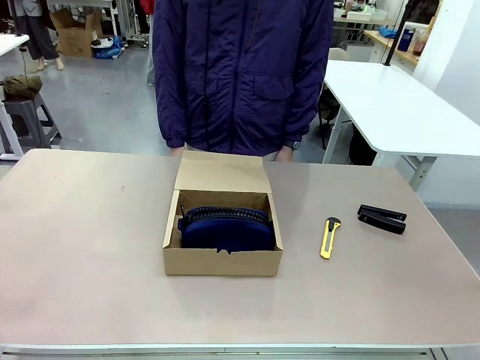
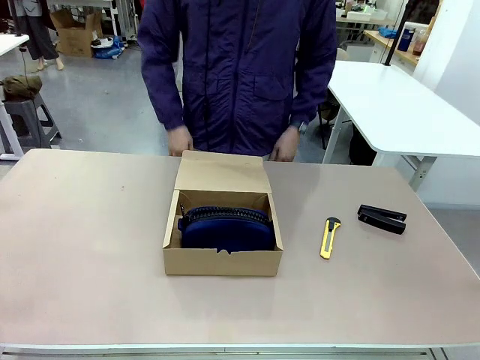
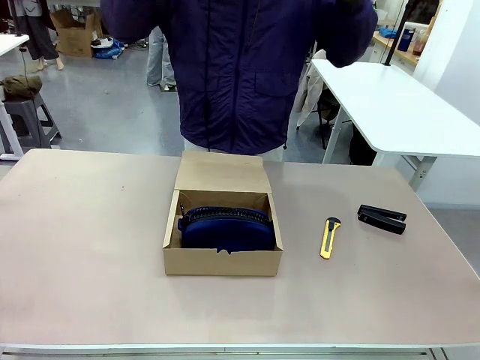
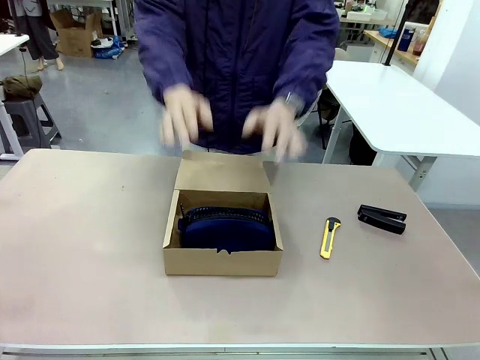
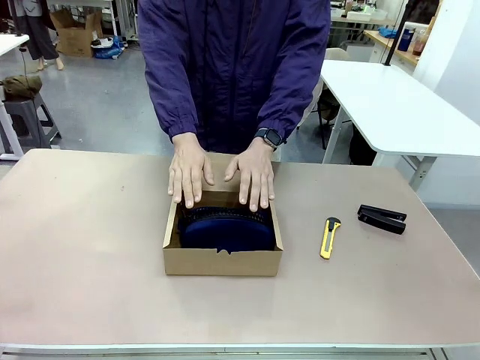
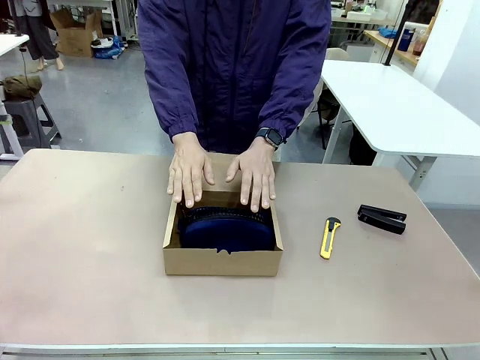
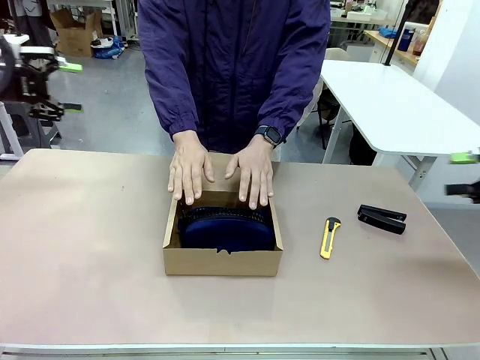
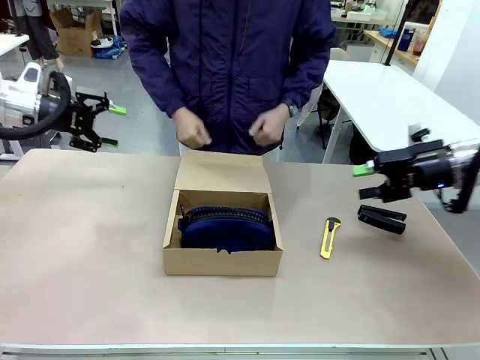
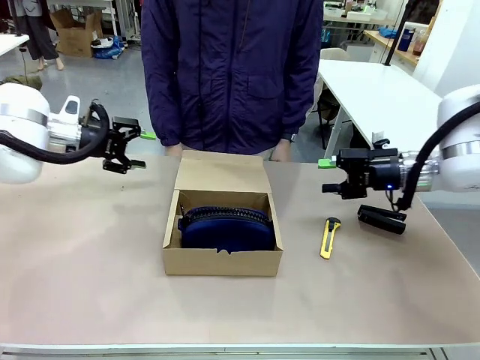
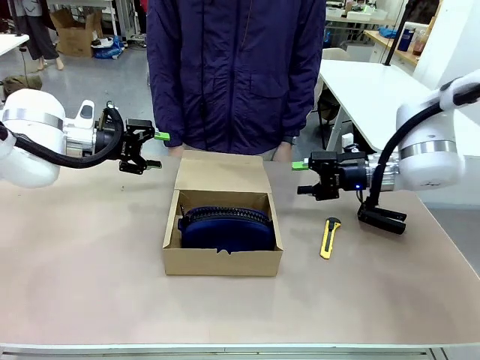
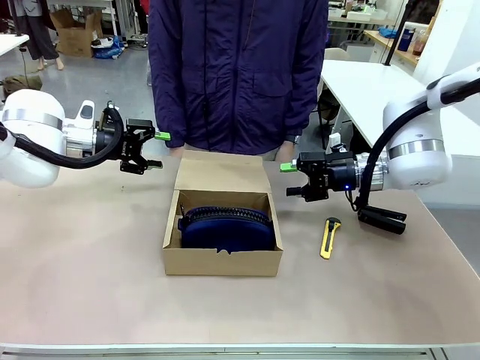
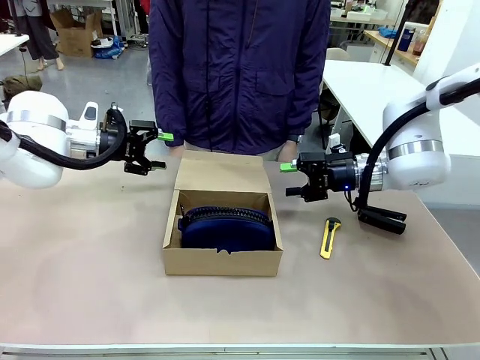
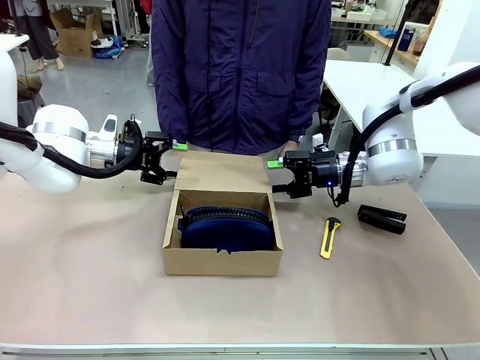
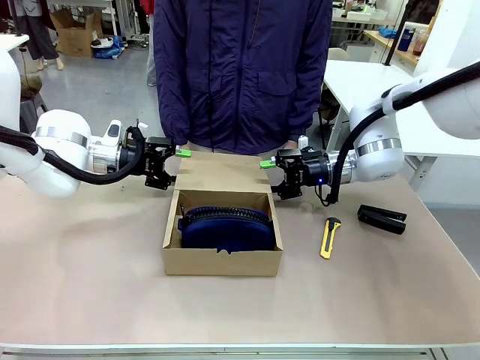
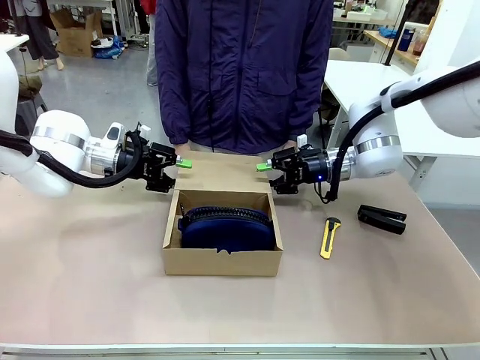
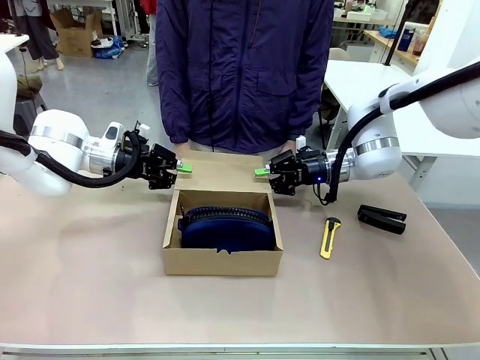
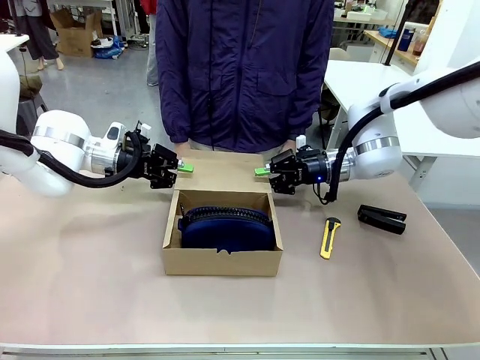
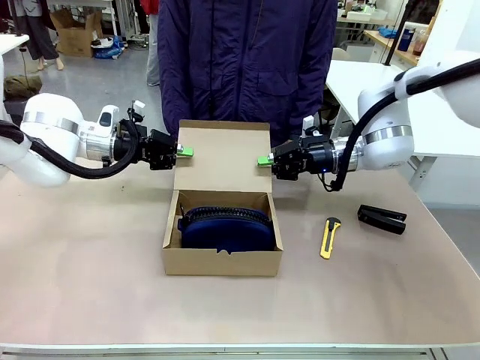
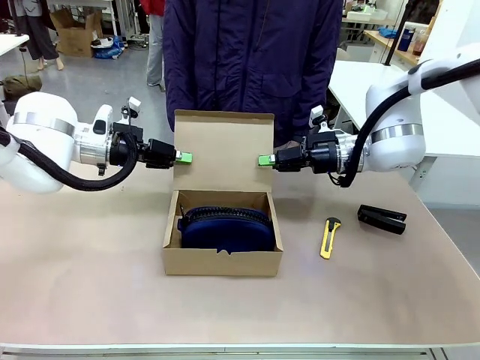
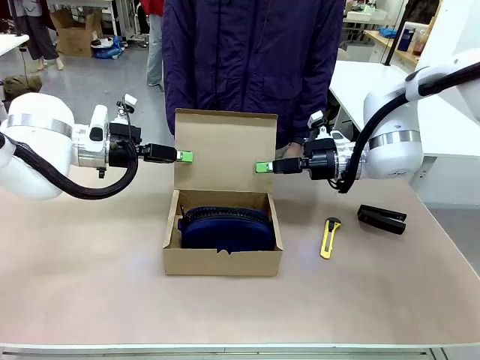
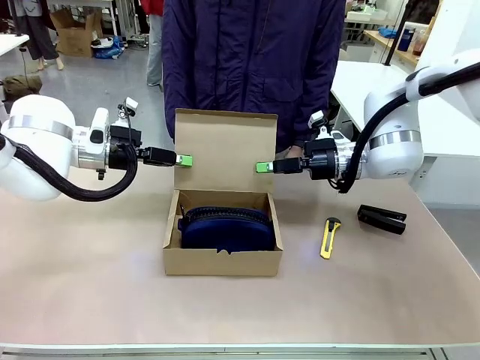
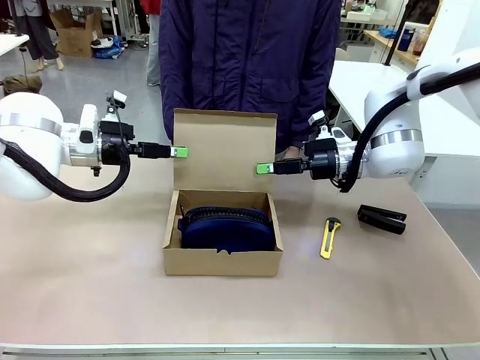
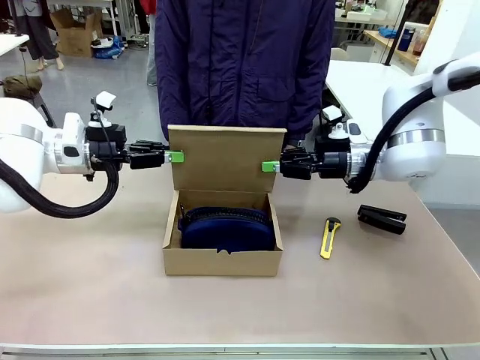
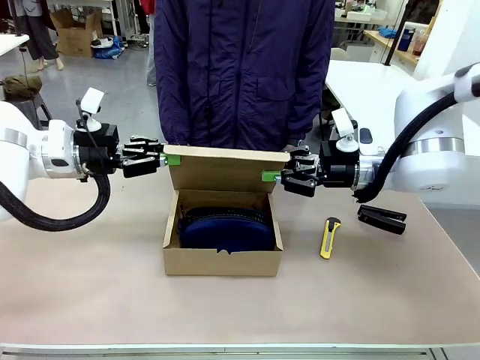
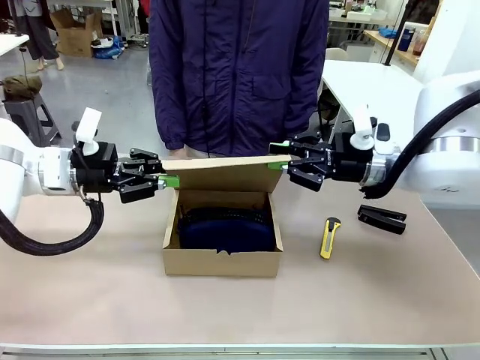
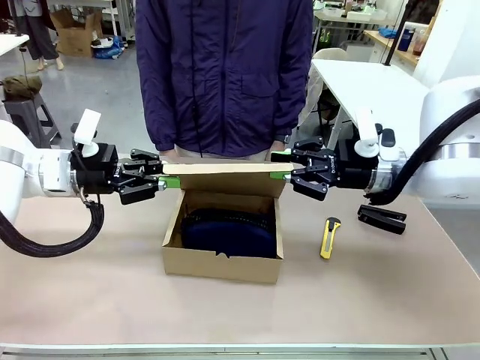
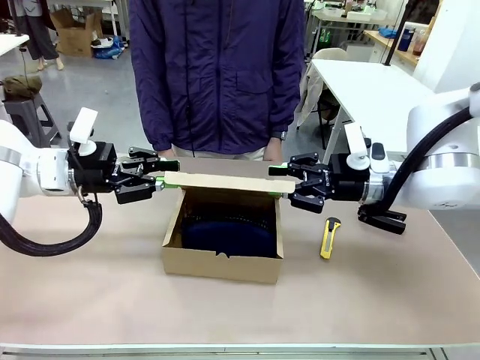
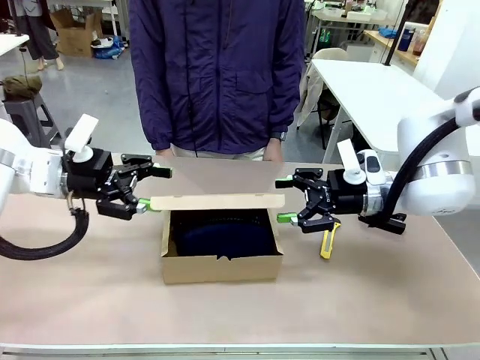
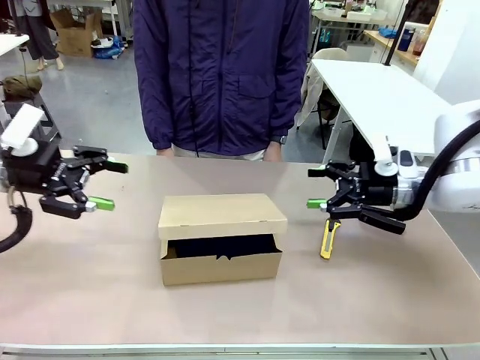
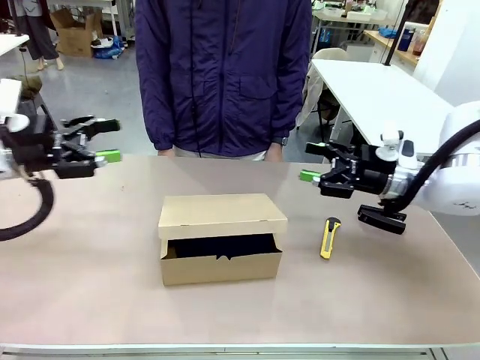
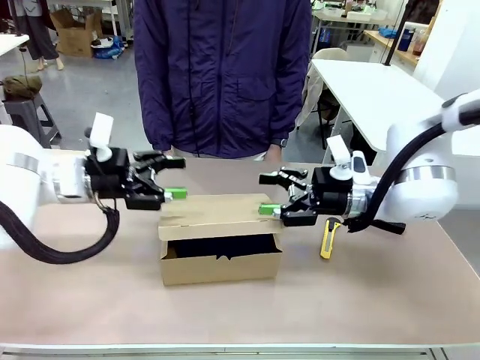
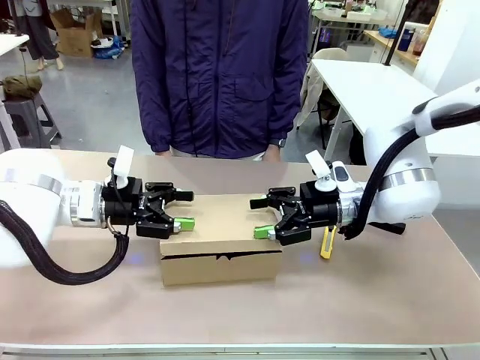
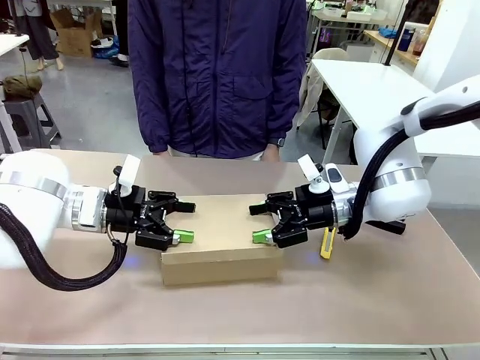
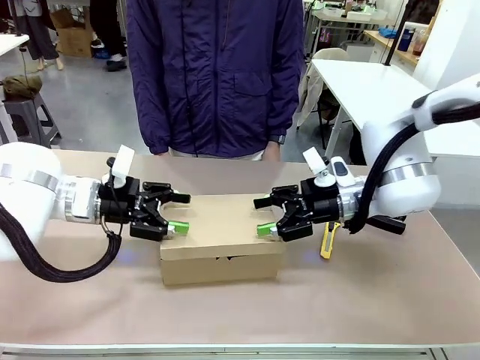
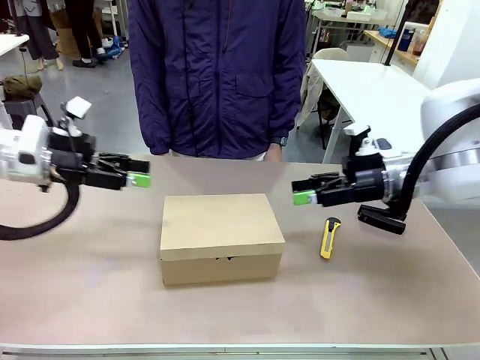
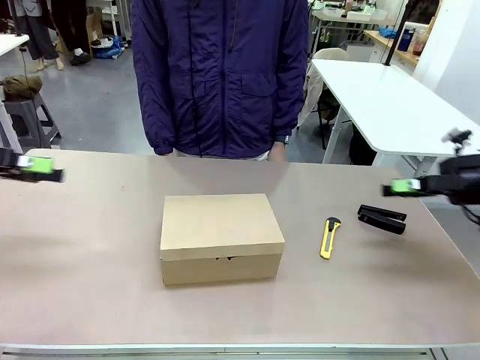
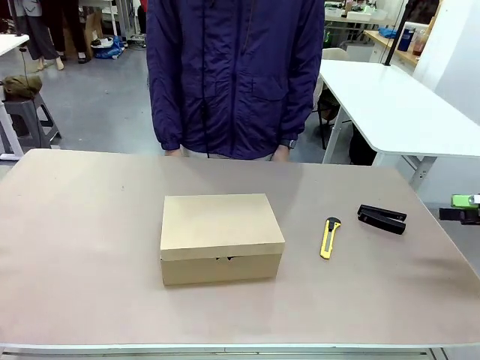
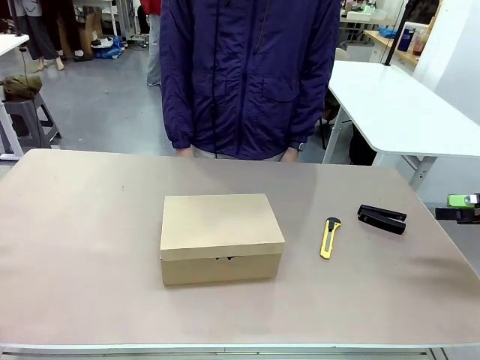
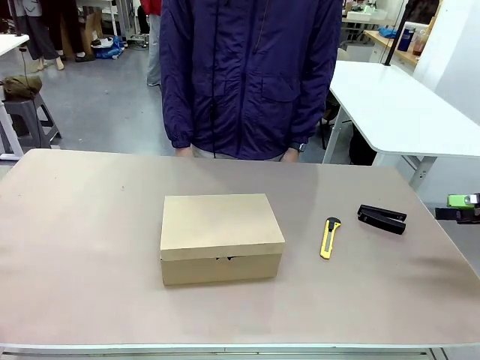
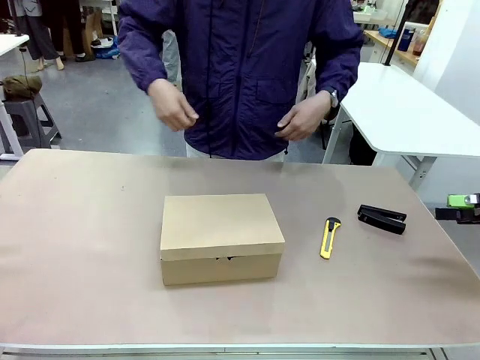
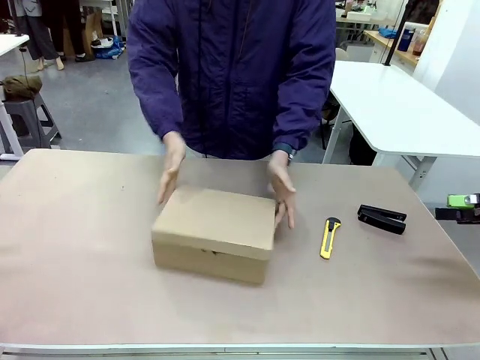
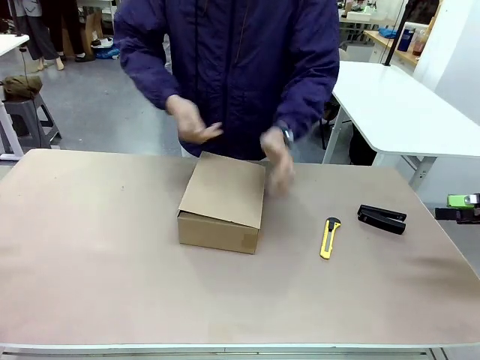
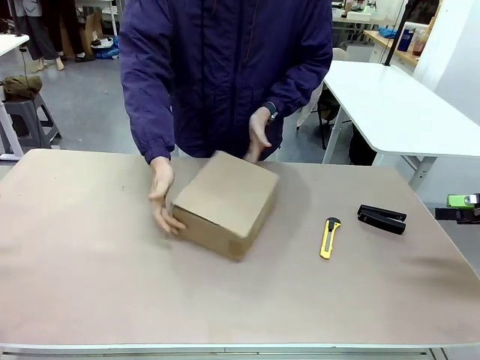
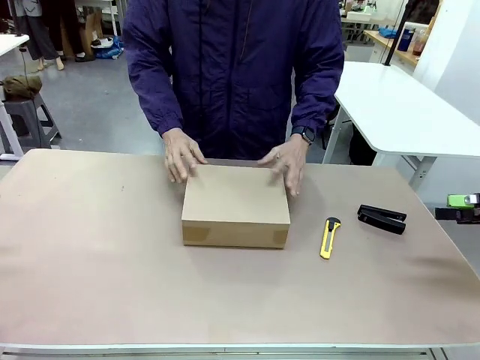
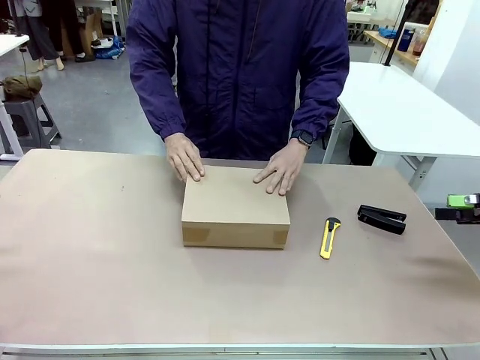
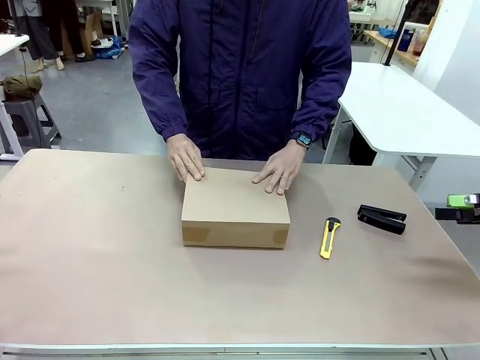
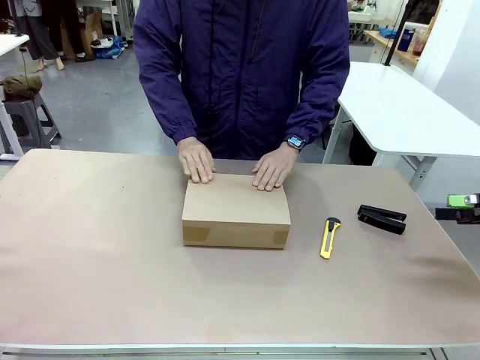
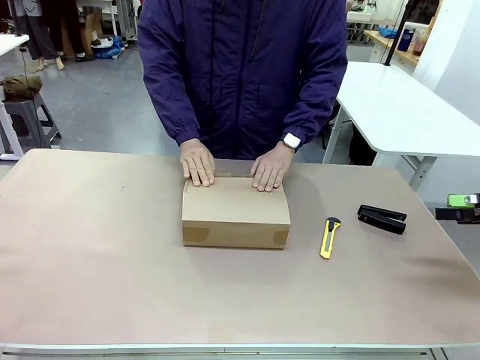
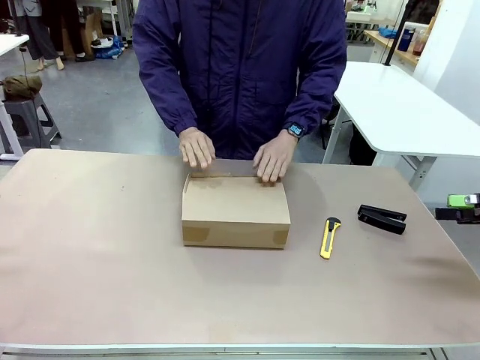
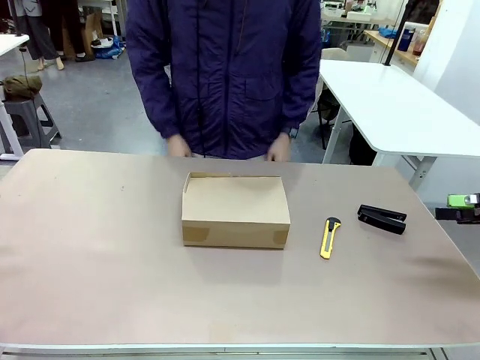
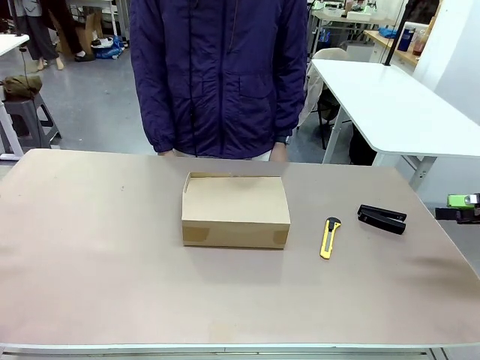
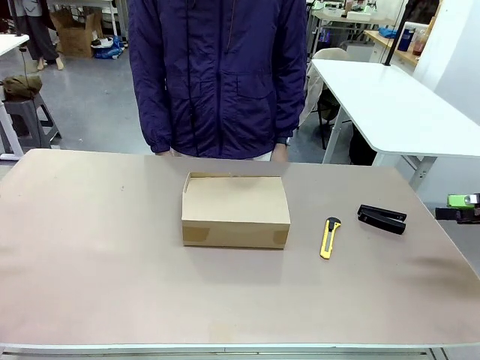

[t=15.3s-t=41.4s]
Task: Pack the item into the box.
Robot: Close the Mailer Box.
Person: Lower both hands vertically with palms facing downward, as if pressing something closed. Turn the box and lock it.
